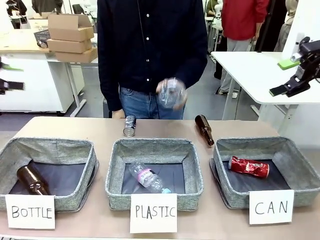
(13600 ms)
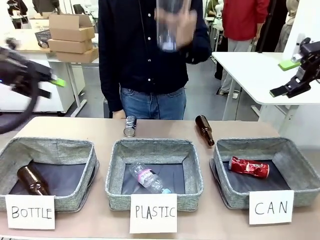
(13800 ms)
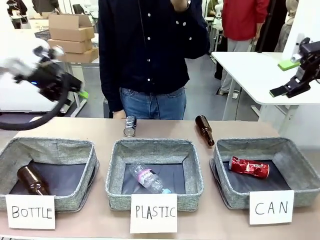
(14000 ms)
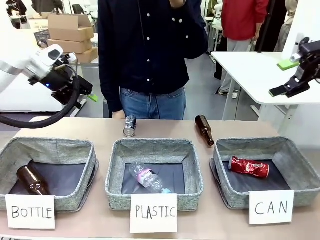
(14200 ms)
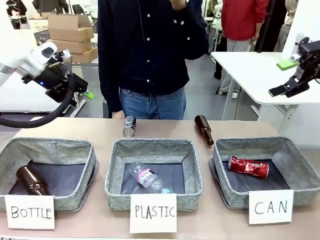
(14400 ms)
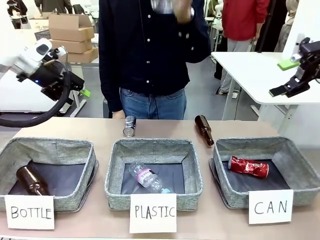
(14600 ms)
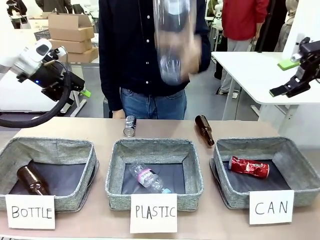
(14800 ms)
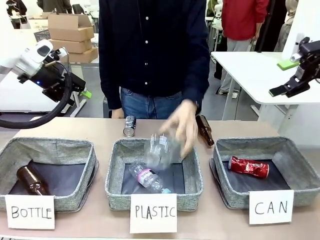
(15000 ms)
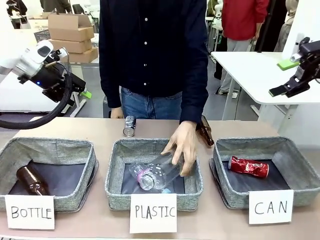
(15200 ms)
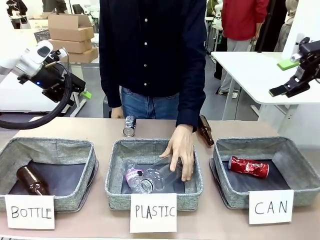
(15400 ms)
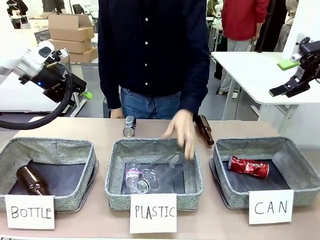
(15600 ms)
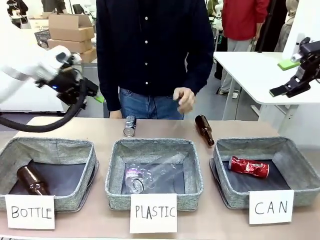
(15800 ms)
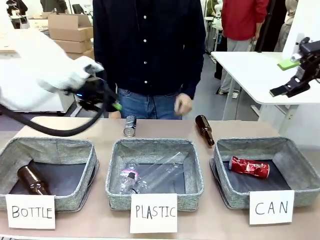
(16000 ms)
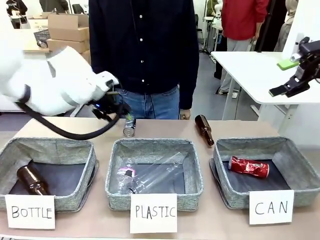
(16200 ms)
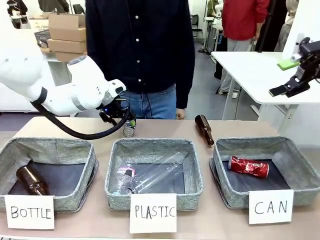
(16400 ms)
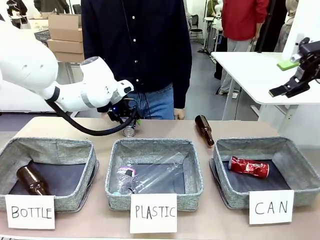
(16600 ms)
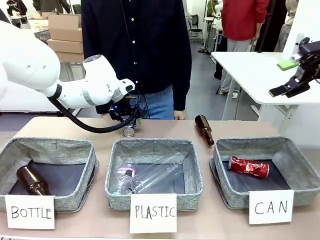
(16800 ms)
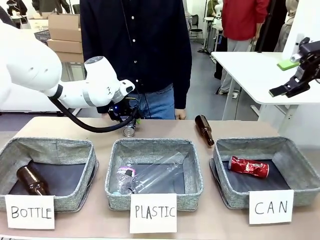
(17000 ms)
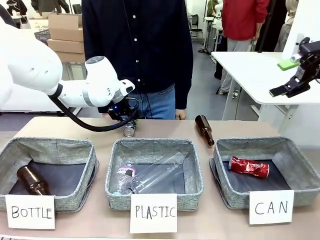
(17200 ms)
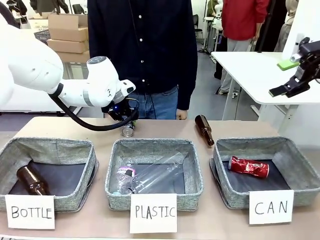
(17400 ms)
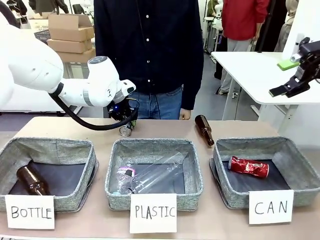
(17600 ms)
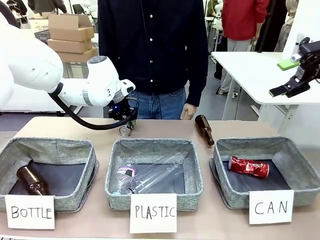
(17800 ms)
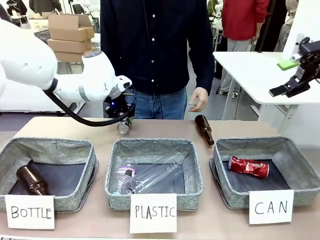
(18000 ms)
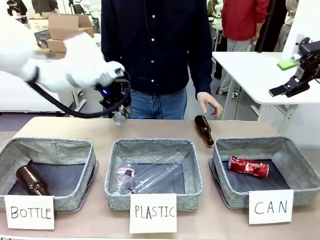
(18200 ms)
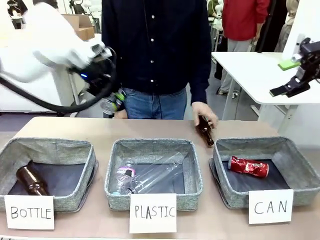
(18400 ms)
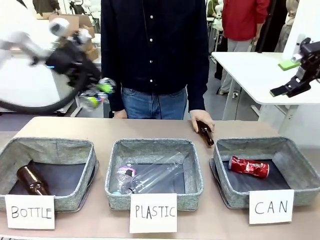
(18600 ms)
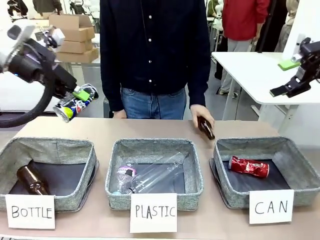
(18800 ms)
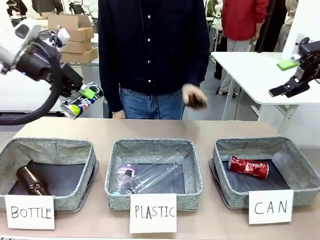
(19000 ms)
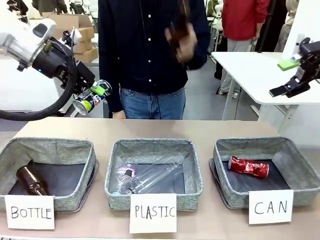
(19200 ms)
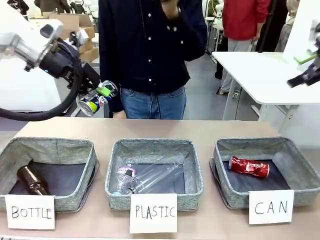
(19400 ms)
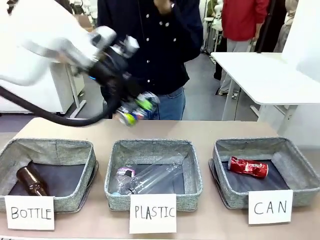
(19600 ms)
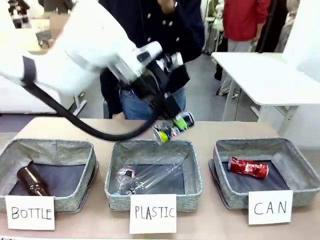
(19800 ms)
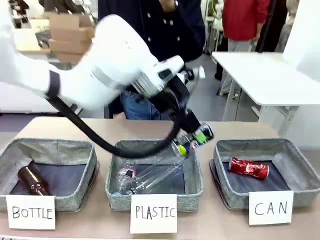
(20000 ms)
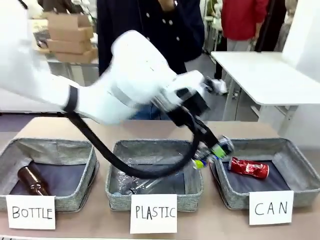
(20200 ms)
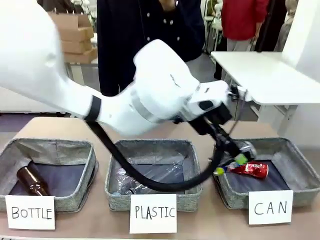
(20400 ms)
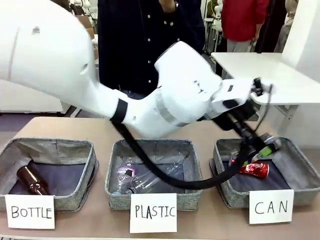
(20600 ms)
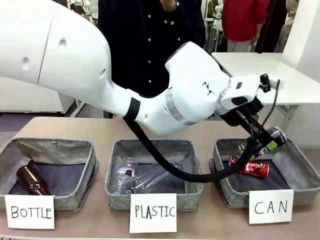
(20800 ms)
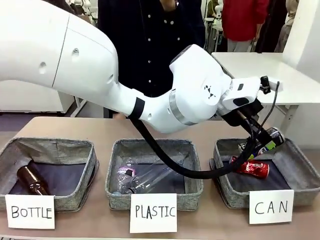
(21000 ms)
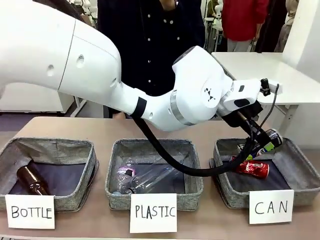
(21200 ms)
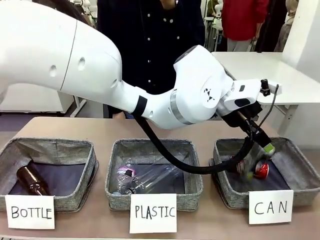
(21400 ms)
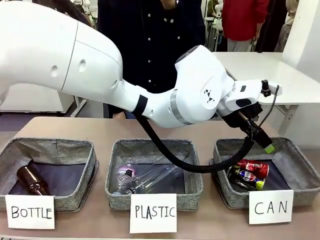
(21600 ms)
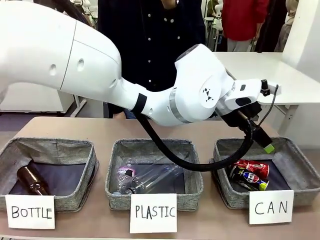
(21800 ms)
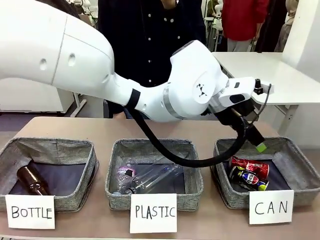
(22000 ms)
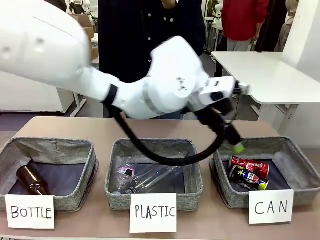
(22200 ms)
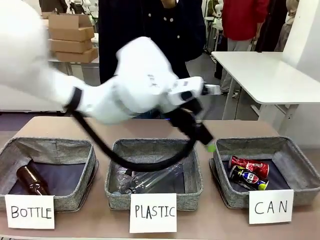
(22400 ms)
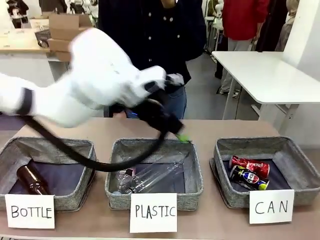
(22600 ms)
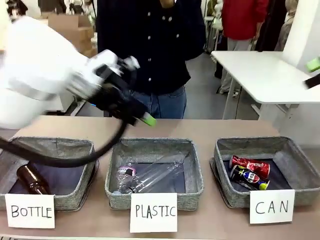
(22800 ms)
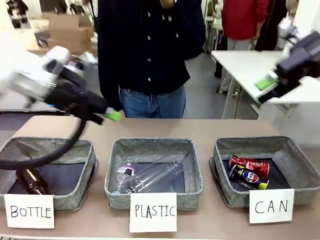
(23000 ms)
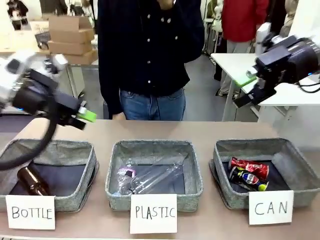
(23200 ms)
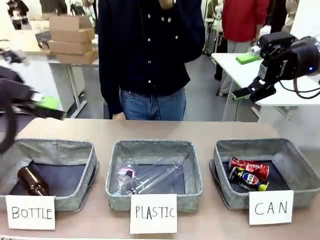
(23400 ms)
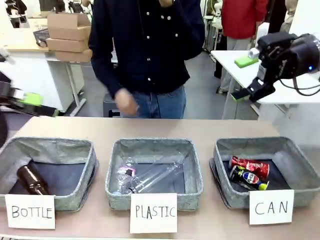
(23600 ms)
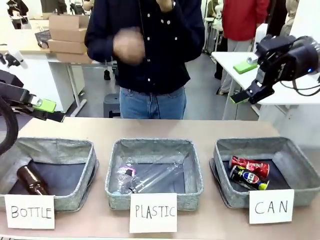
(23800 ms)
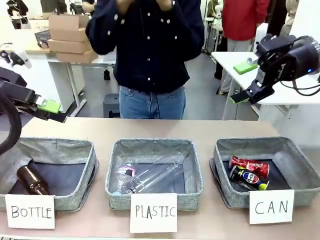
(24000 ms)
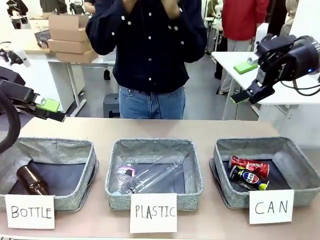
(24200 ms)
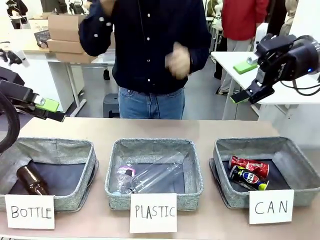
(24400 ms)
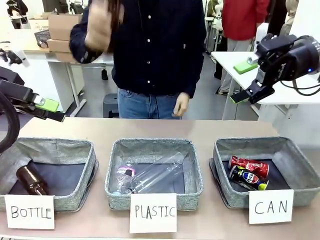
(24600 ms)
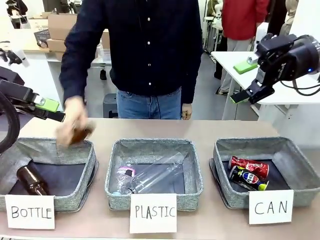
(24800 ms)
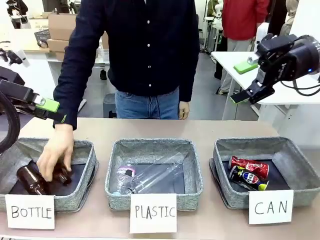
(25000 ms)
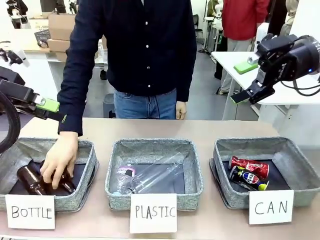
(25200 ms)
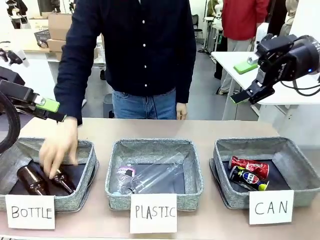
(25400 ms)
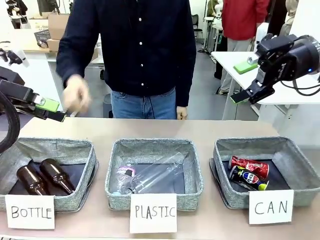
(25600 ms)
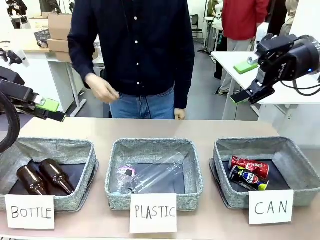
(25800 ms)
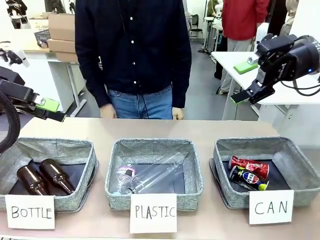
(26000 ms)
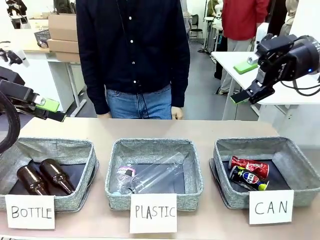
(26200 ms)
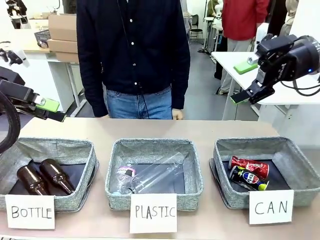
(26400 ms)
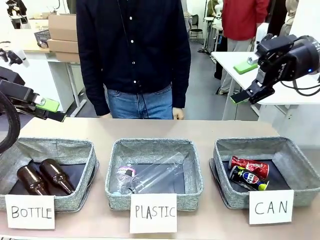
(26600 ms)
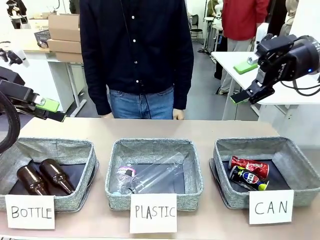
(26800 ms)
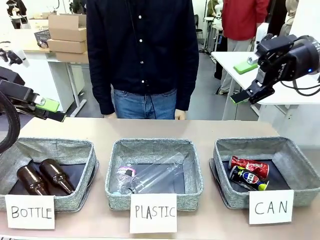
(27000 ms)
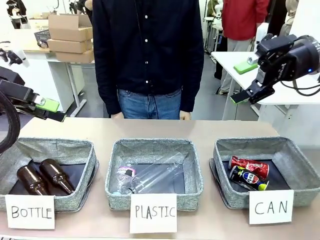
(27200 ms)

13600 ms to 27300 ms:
Task: Sort the can waste into the basket.
Robot: Pick up the can waste from the table and place it in the right Fabric basket.
Person: The human picks up one piece of trash that is not a can and places the trash into the appropriate organizing basket.
